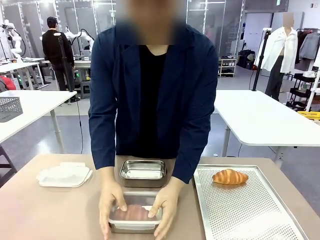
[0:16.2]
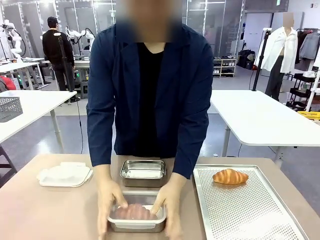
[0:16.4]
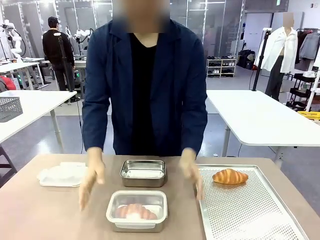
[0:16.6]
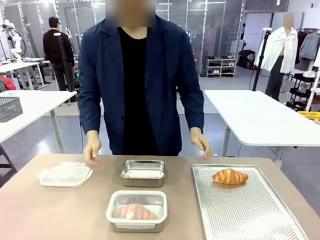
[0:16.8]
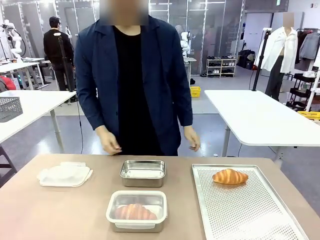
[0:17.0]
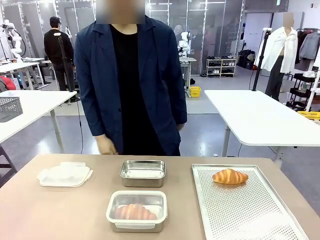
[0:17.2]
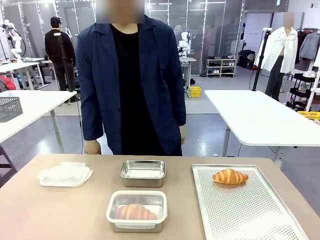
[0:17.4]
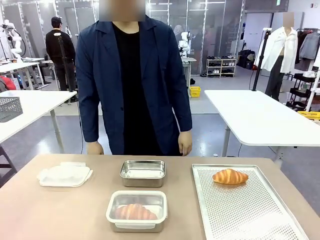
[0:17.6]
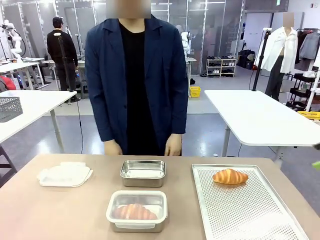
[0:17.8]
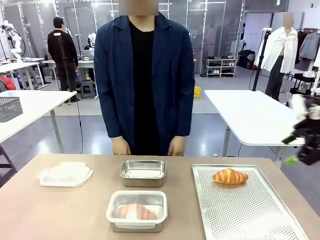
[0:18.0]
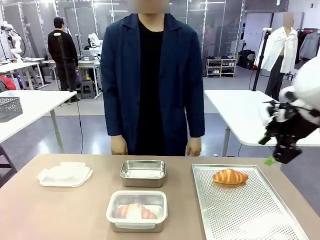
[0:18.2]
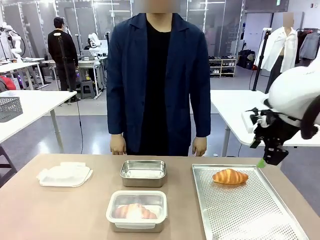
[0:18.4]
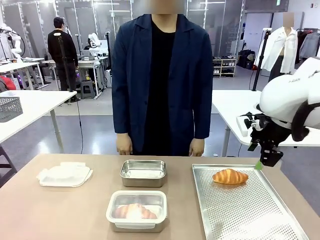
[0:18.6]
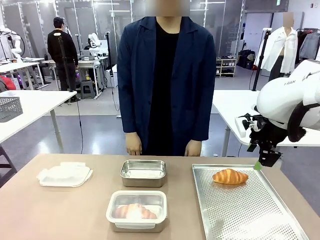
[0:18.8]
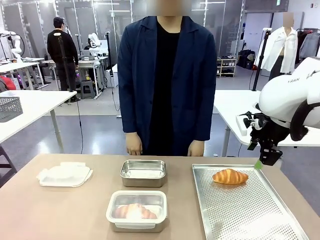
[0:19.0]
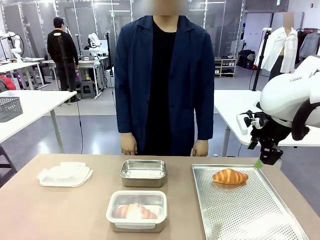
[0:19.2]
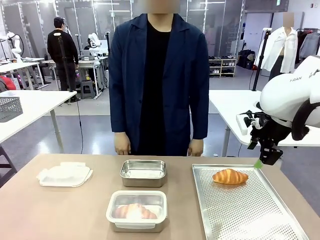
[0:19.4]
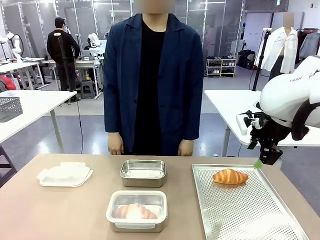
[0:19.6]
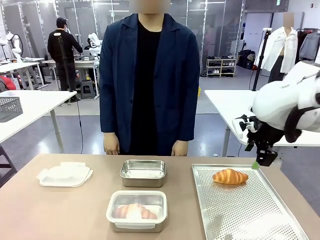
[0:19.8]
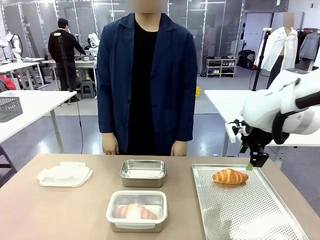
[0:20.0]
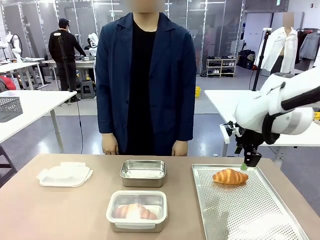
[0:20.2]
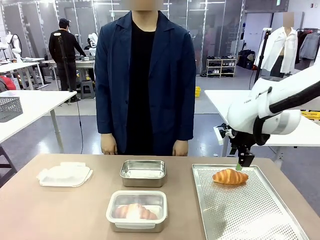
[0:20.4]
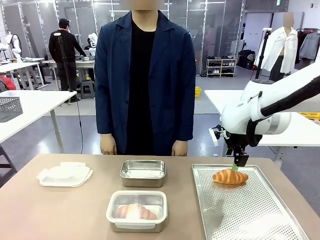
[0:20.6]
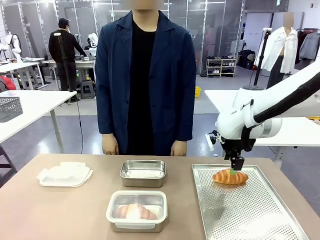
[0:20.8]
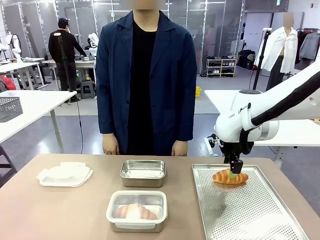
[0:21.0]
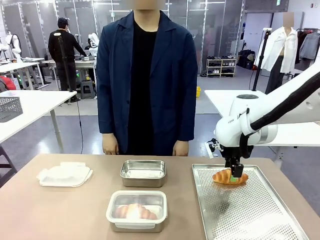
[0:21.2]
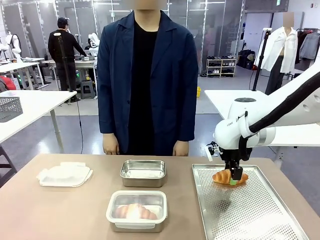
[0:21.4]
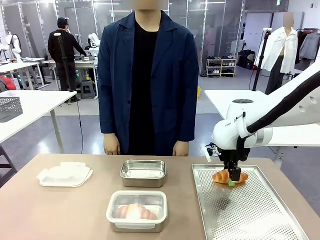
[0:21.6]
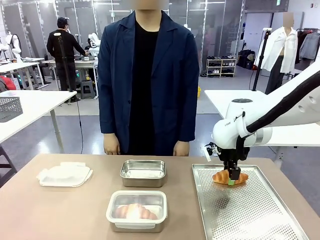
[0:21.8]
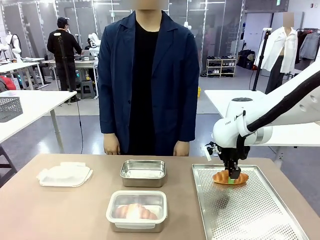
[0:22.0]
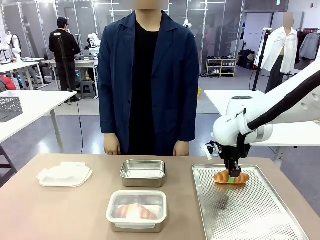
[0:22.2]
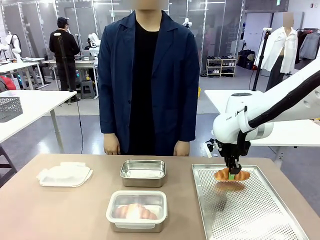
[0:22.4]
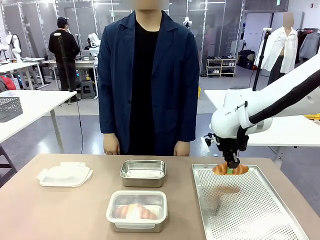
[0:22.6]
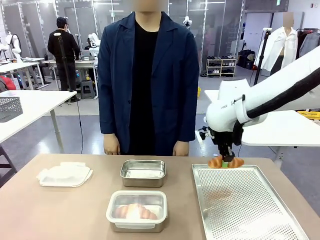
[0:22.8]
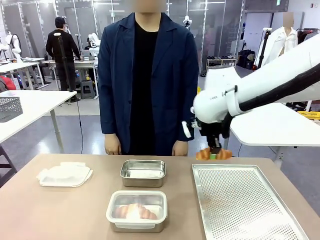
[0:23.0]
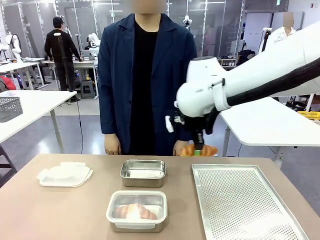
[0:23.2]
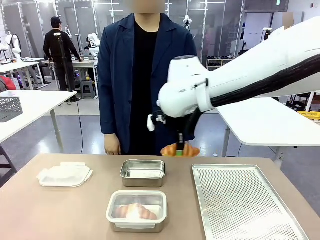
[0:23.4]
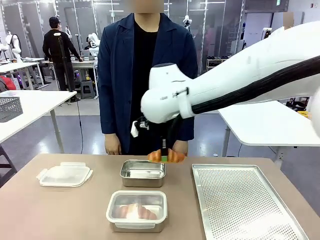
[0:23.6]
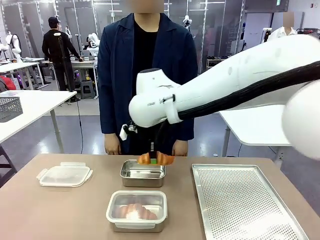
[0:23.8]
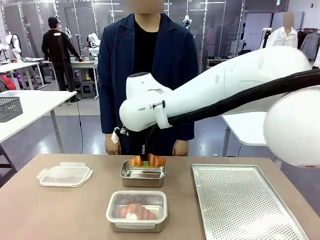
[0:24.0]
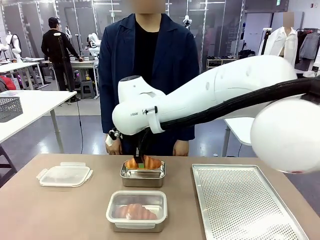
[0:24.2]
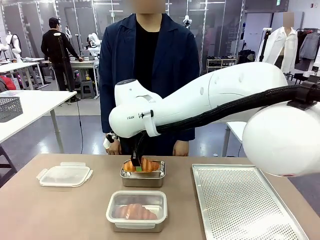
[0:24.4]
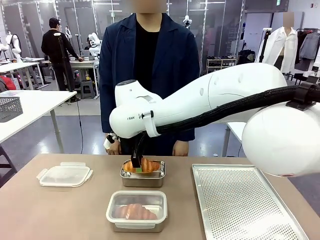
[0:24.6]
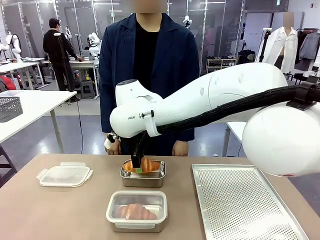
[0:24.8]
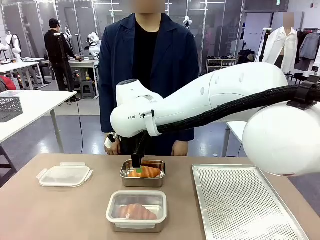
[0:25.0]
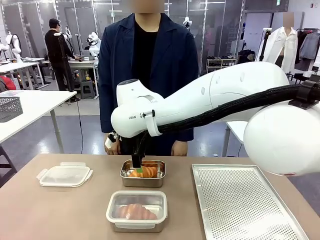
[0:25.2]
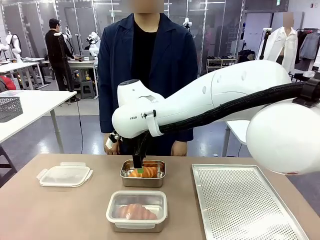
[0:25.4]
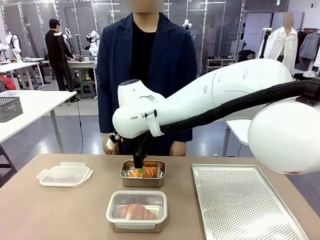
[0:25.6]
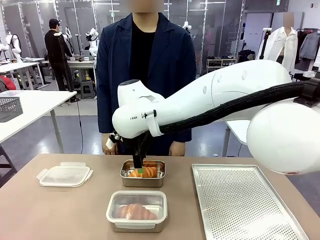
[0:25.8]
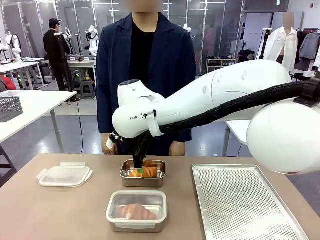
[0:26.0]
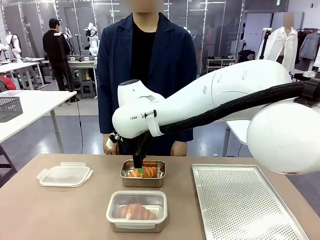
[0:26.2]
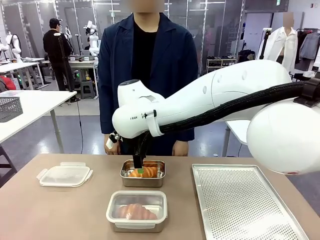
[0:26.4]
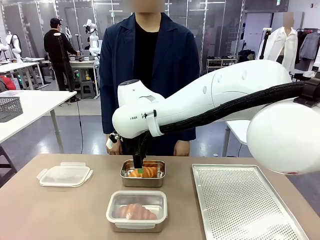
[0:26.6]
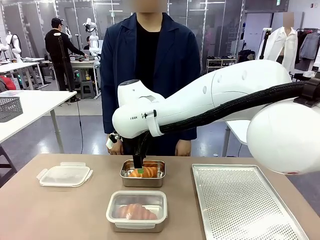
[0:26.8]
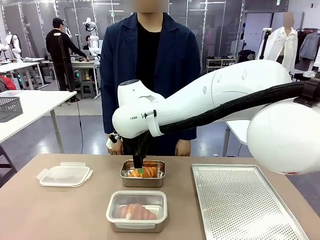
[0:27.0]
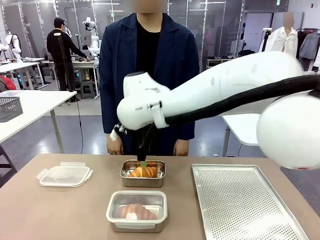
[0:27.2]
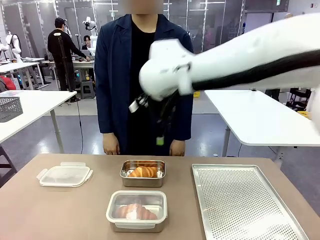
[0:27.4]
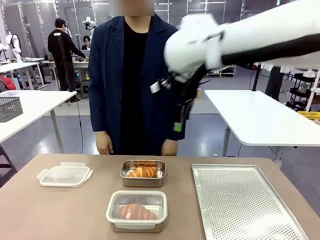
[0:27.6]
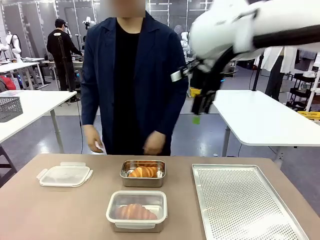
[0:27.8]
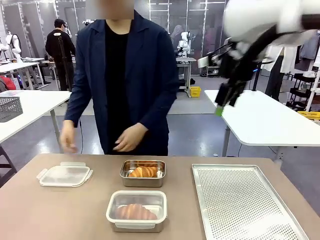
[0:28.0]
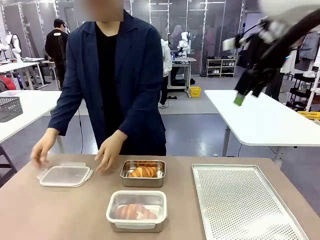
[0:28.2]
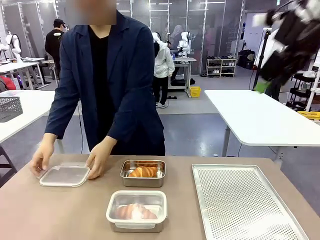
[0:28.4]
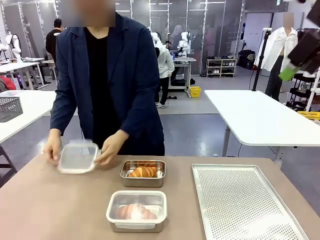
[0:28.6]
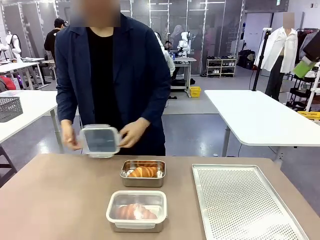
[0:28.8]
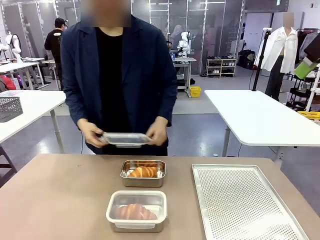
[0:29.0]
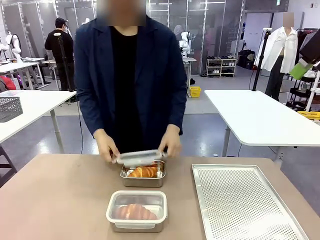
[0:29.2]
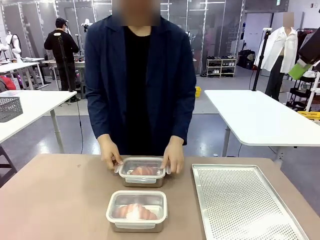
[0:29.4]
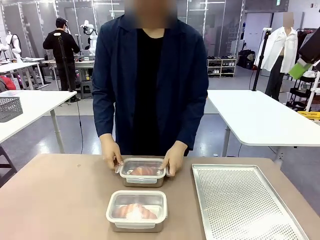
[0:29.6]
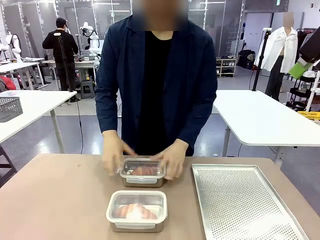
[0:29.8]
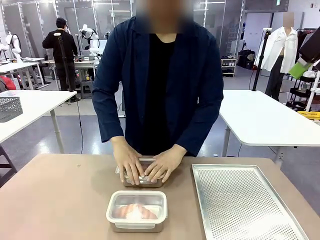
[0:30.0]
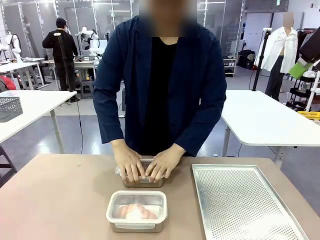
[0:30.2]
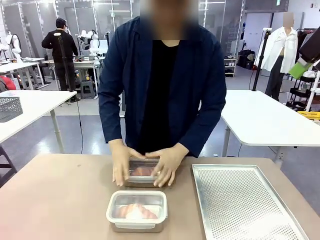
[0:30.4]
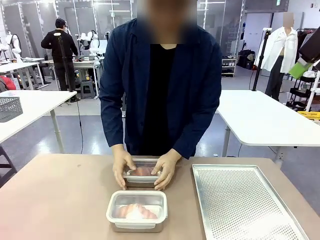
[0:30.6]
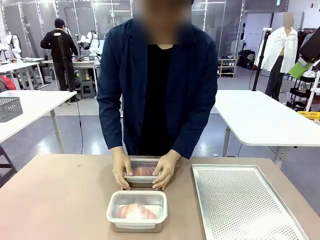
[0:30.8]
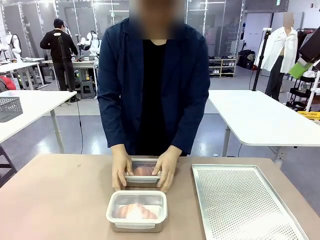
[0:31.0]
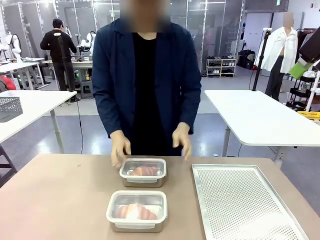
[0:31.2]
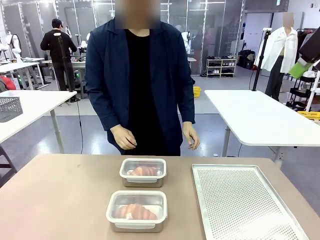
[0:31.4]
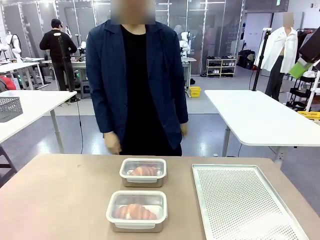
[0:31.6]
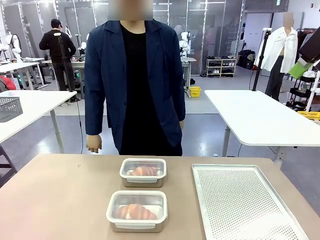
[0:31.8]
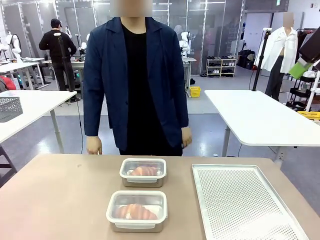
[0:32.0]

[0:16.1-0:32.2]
Task: Place the bread into the airtight container.
Robot: Pick up a Butter Roll and place it into an empty Airtight Container.

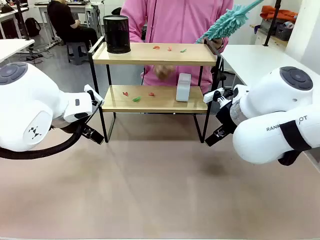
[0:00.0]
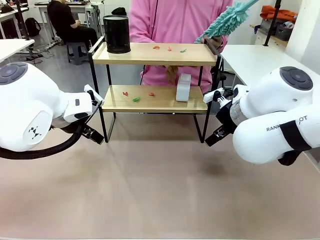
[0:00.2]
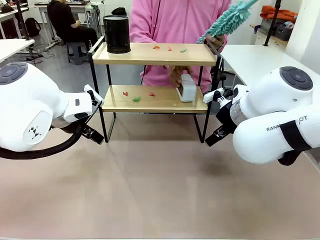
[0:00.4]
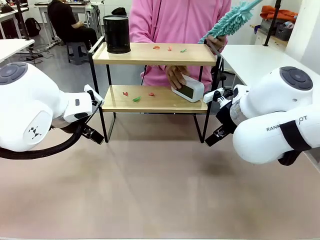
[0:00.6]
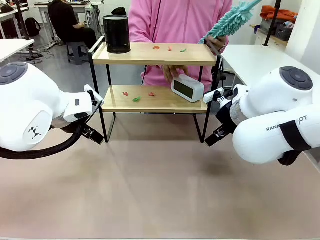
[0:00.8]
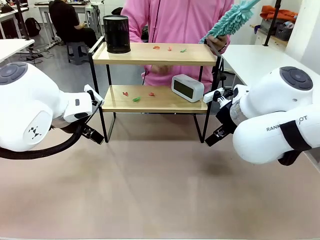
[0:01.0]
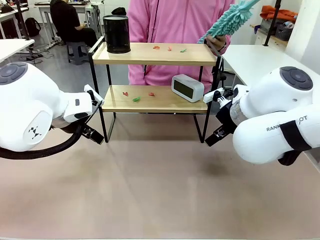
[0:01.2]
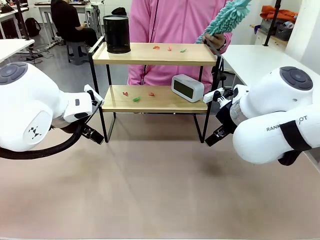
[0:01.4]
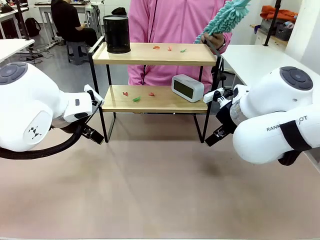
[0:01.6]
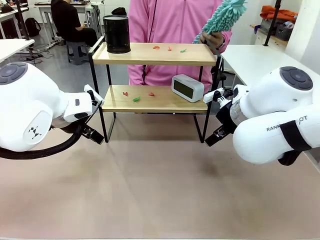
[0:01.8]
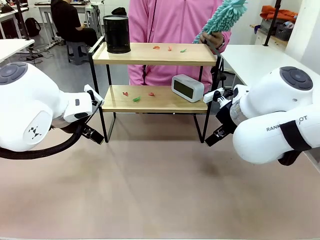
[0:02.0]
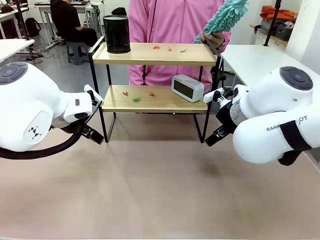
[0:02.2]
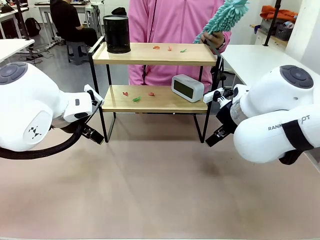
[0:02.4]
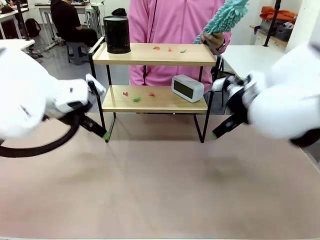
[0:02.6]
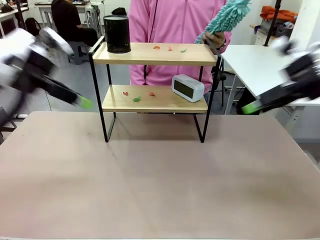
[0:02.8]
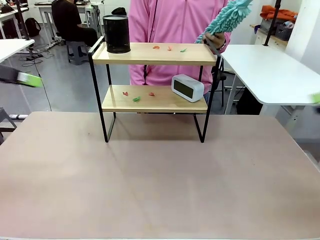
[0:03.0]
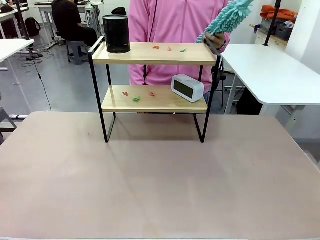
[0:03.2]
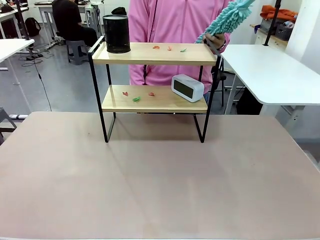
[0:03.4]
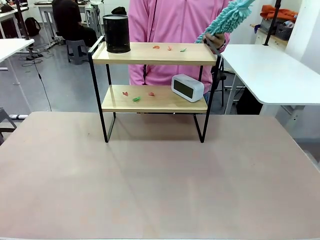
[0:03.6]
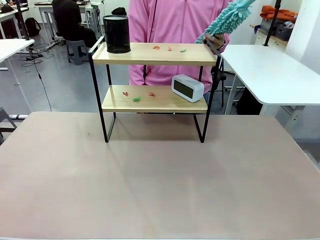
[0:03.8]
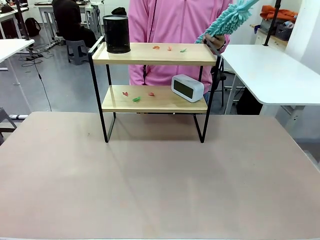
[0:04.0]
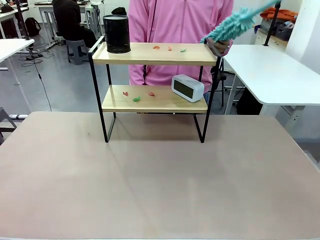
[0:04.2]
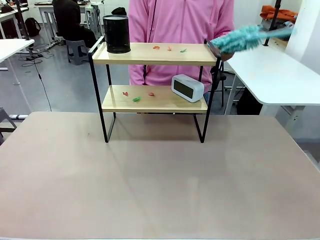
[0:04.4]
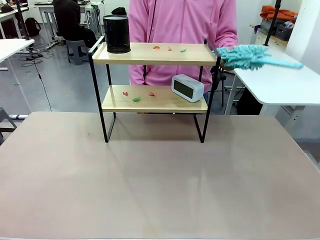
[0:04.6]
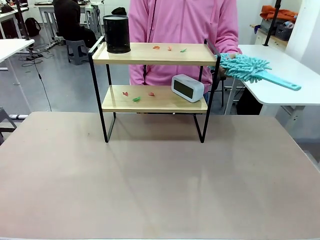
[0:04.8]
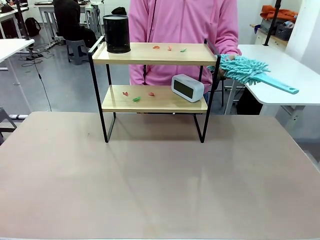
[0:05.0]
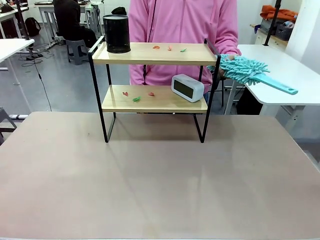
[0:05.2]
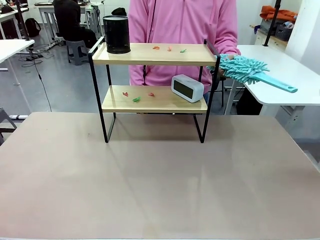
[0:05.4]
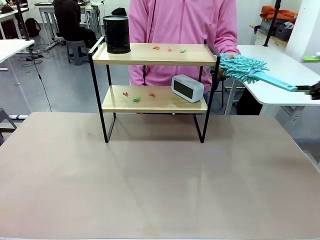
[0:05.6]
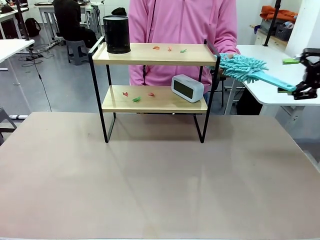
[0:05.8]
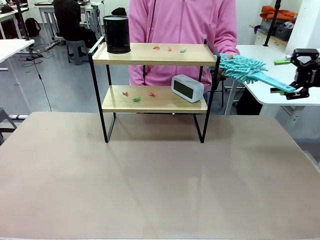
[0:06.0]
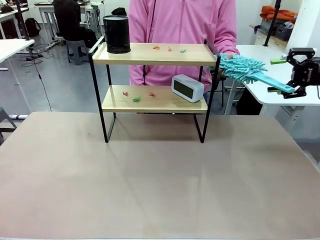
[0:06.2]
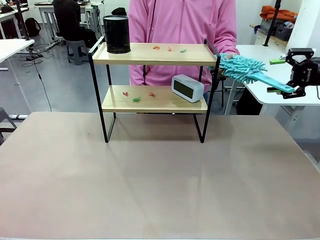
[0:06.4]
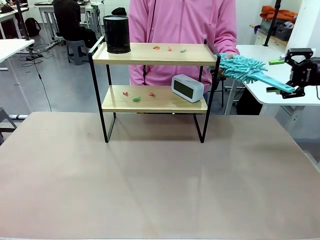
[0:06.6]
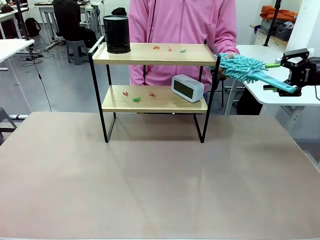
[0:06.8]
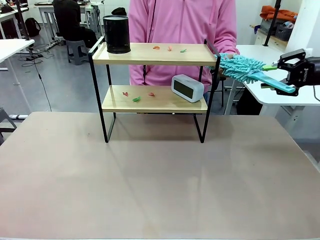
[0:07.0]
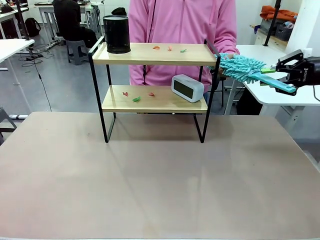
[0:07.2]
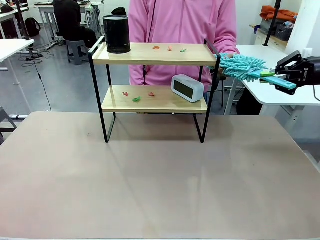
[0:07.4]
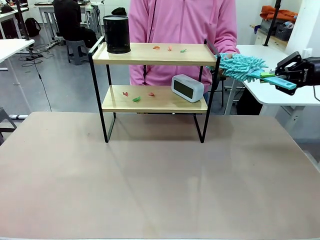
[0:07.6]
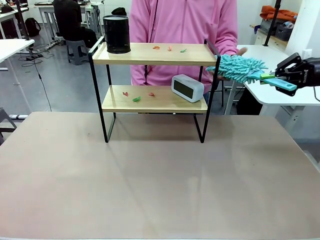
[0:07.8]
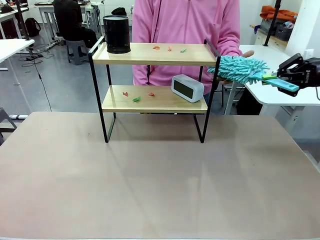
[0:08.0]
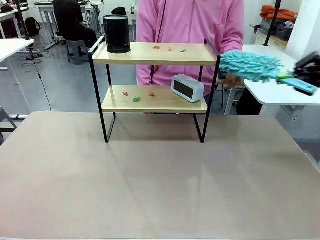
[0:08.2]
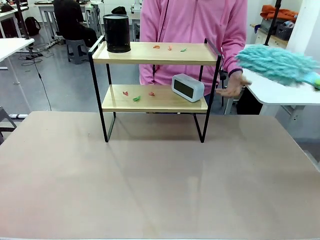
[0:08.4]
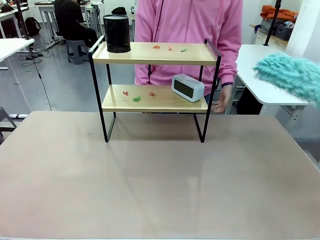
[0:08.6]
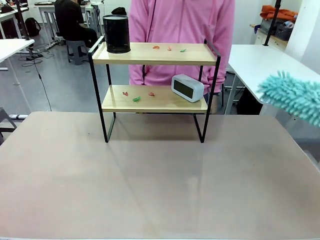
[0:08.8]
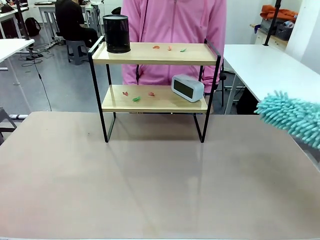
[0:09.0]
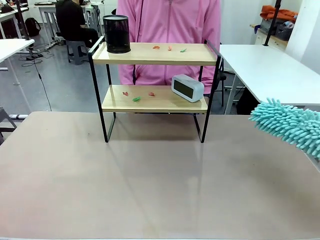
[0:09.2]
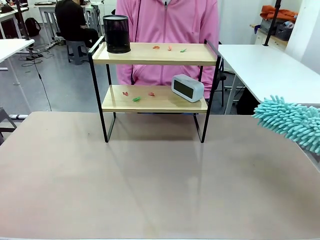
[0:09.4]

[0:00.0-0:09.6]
Task: Clean the shelf.
Robot: Pick up the Duster from the human.
Person: Hand the Duster to the robot.
